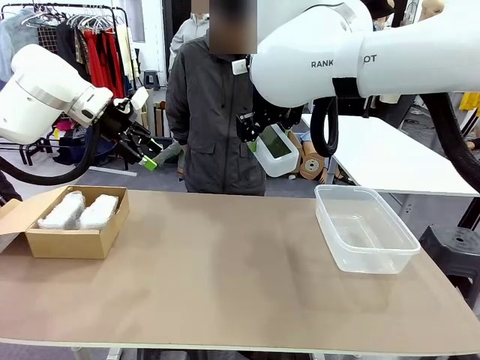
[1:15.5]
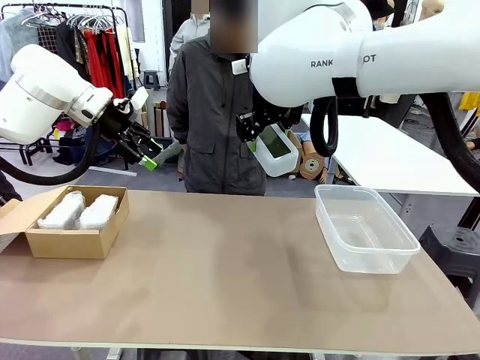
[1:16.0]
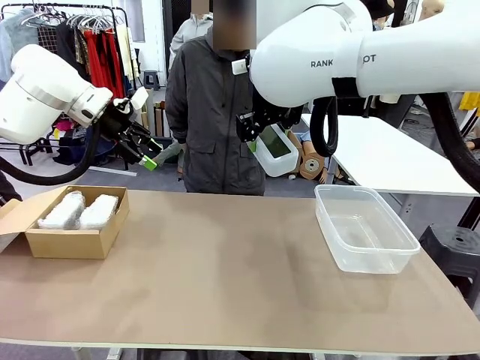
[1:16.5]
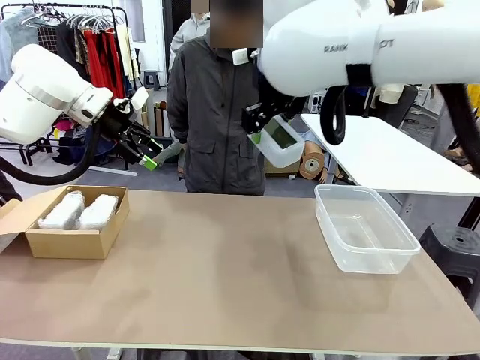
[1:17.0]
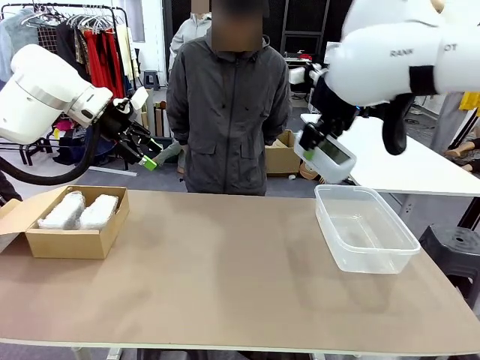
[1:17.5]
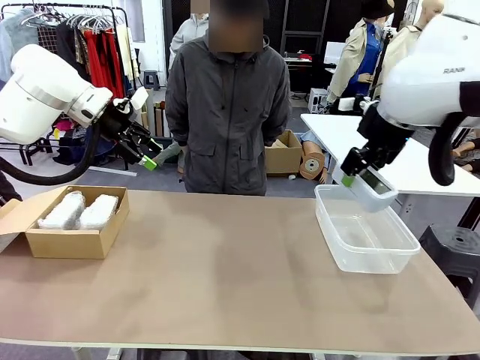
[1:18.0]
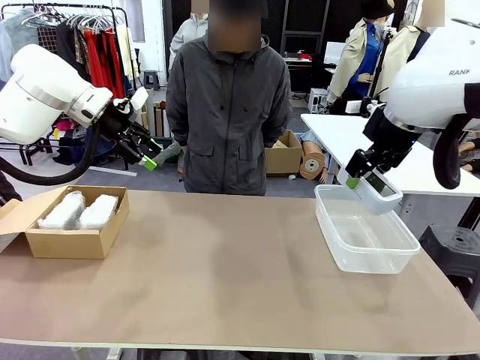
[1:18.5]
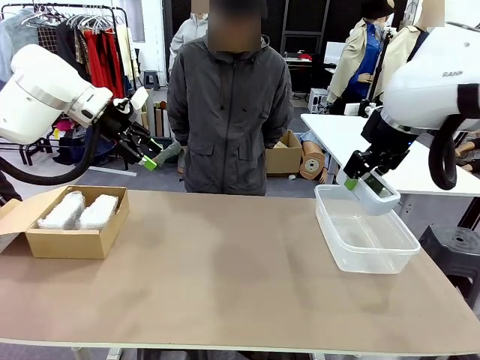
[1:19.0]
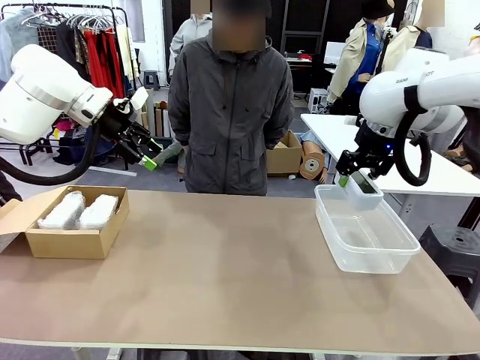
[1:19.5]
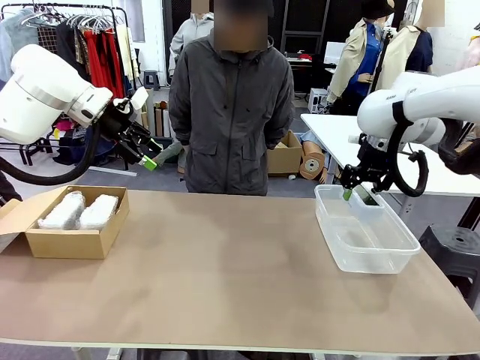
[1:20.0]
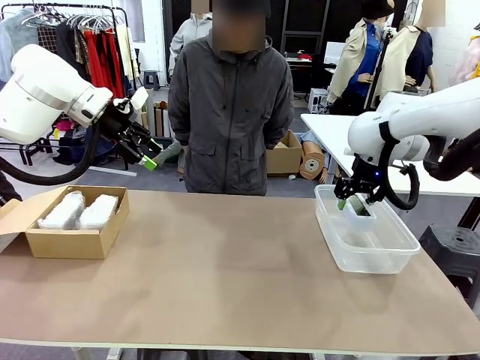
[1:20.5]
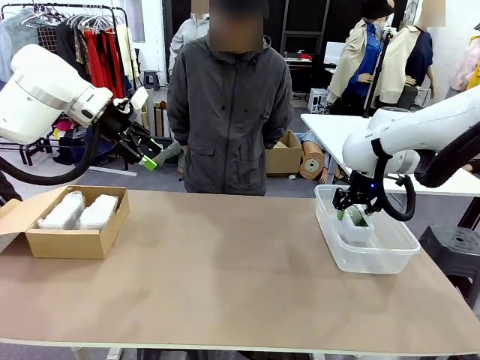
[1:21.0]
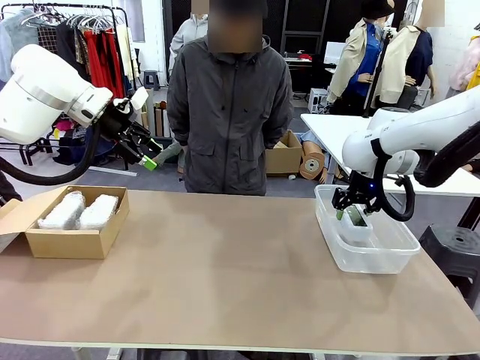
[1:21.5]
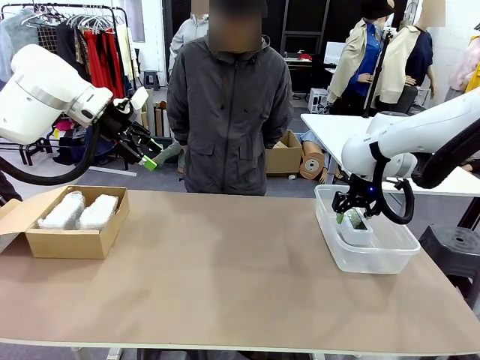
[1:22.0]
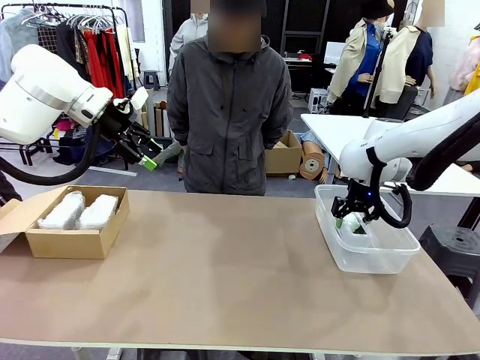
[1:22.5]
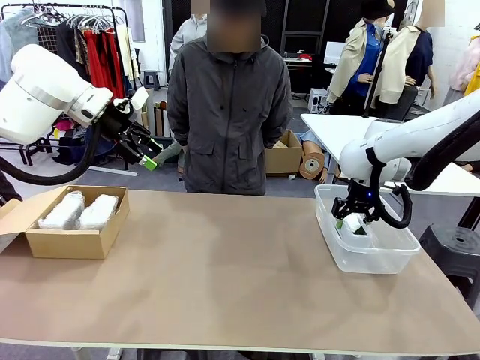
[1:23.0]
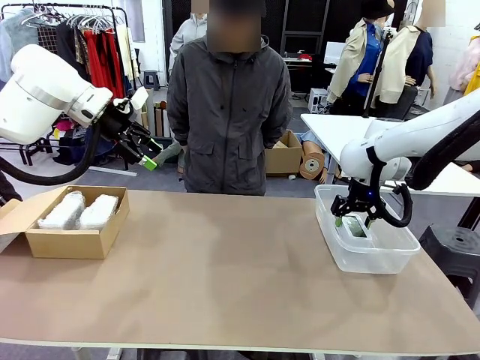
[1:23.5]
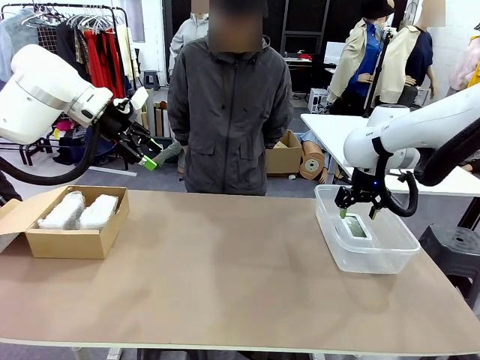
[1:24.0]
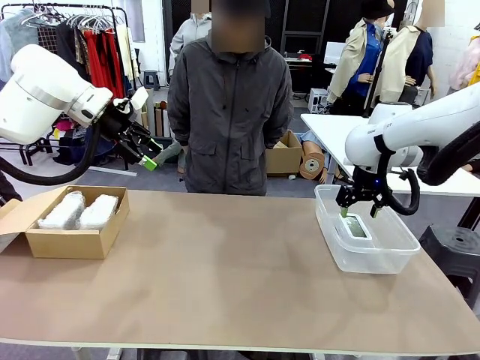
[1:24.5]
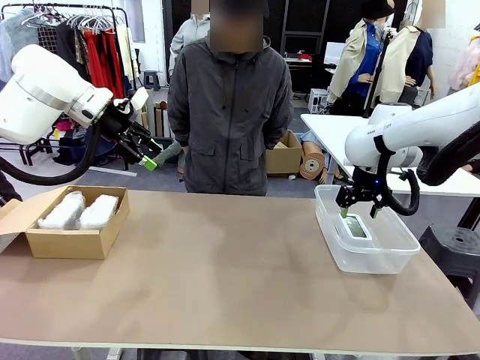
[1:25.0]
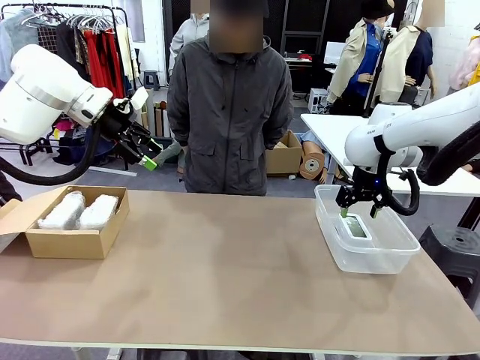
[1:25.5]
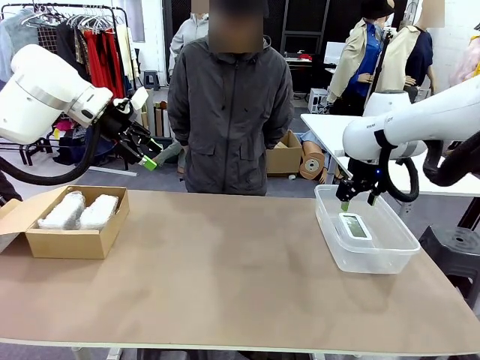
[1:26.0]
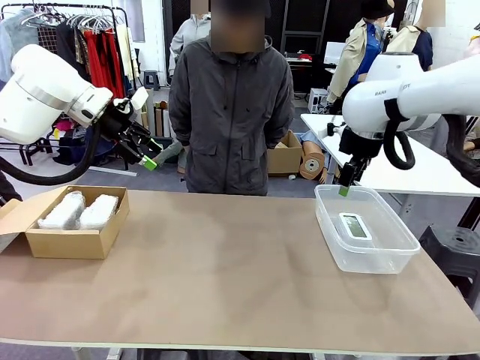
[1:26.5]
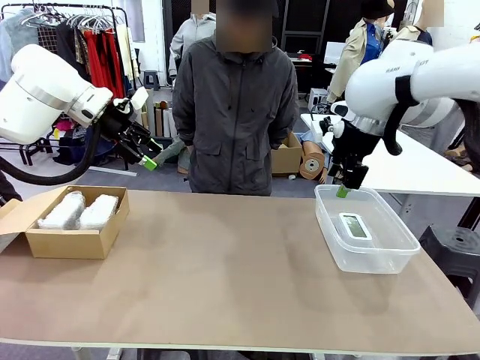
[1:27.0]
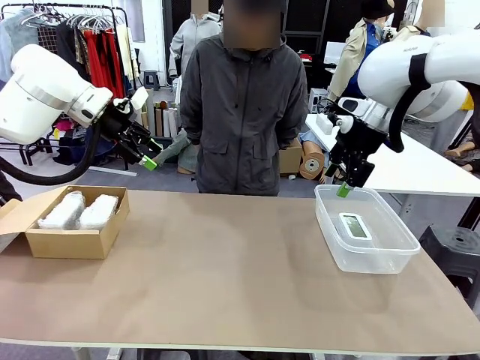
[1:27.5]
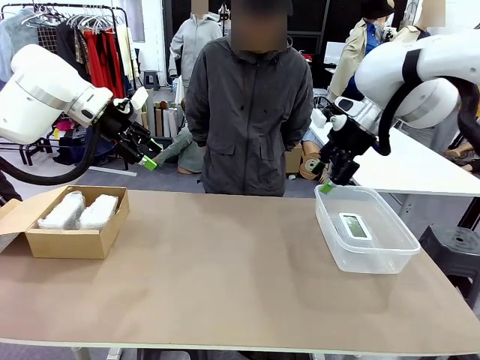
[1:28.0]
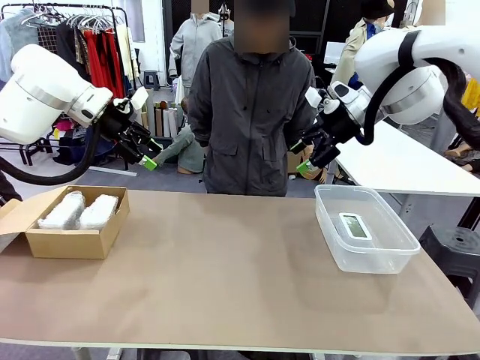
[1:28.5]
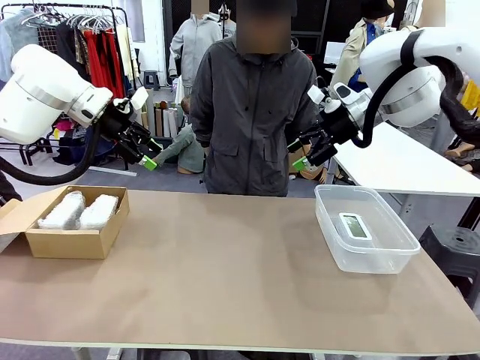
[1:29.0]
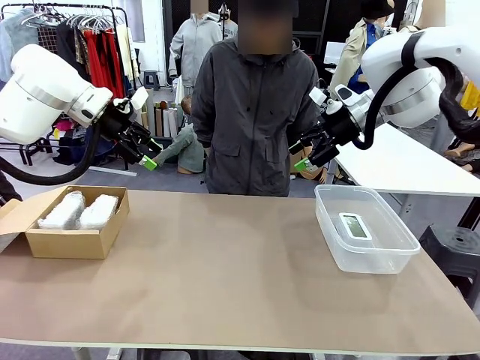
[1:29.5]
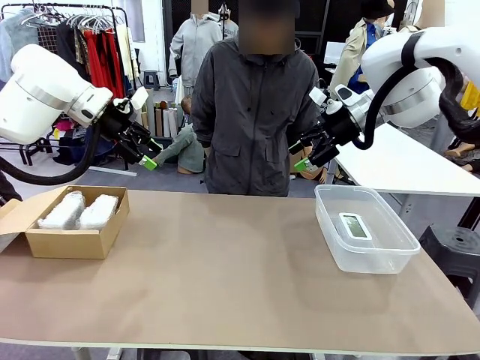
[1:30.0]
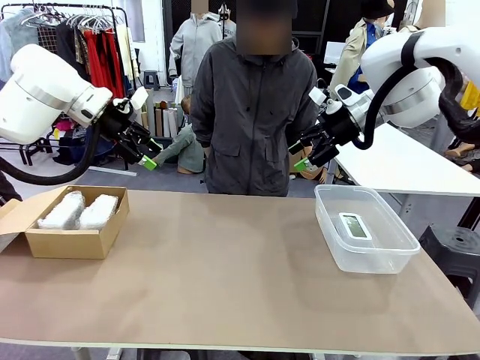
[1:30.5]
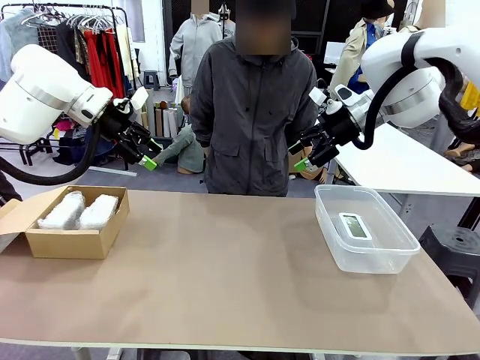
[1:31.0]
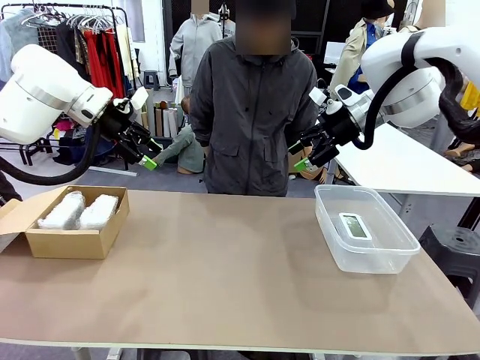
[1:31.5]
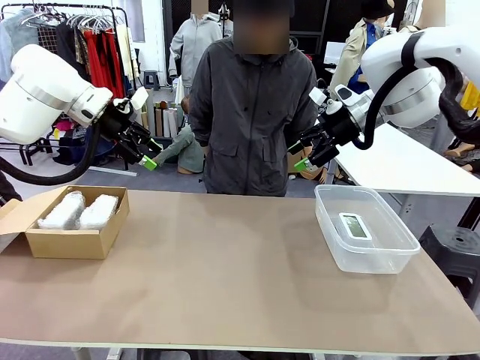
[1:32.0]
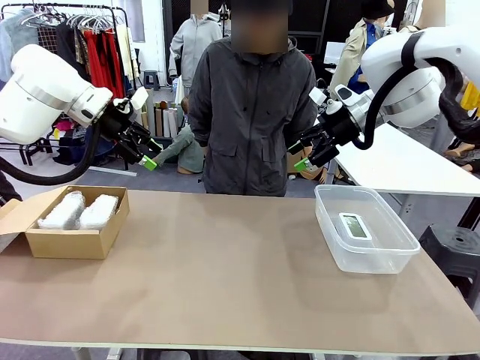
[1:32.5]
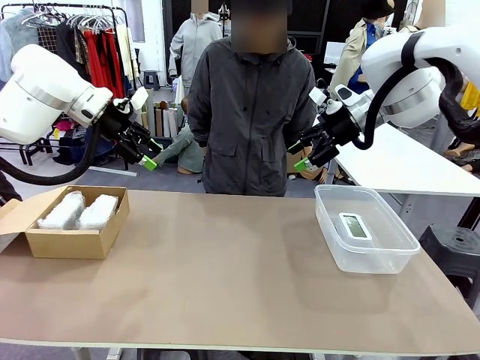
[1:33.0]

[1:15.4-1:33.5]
Task: Separate and place wrapped and unwrapped clocks.
Robot: If the picked Digital clock is wrapped, place it in the Package Box ; if not, place it in the Organizing box.

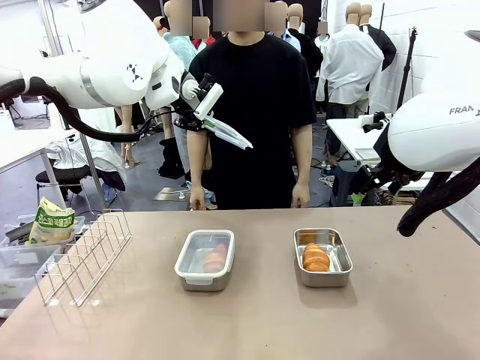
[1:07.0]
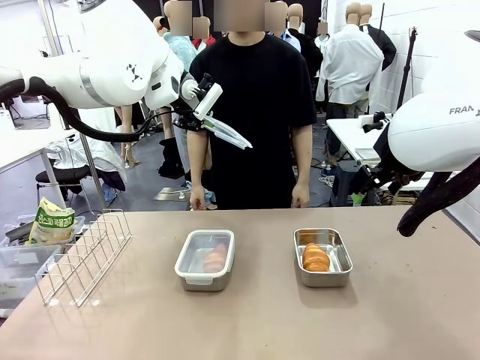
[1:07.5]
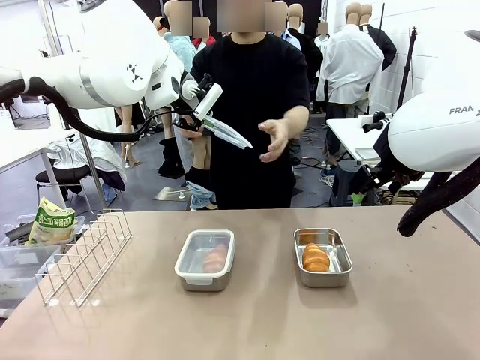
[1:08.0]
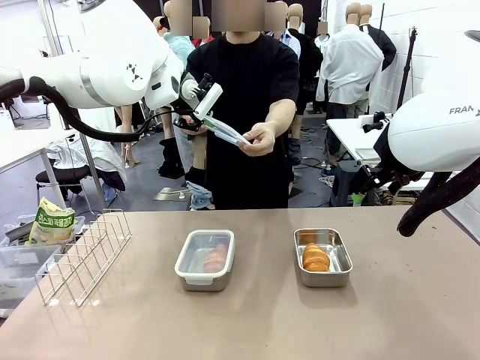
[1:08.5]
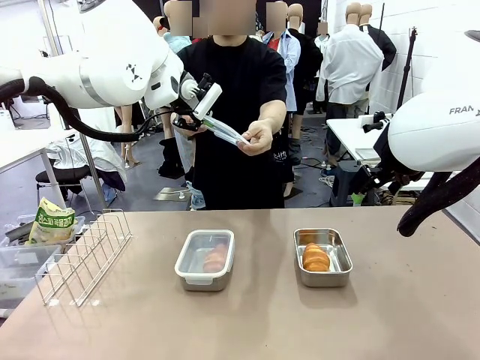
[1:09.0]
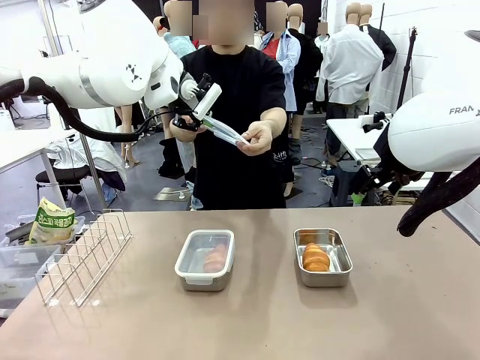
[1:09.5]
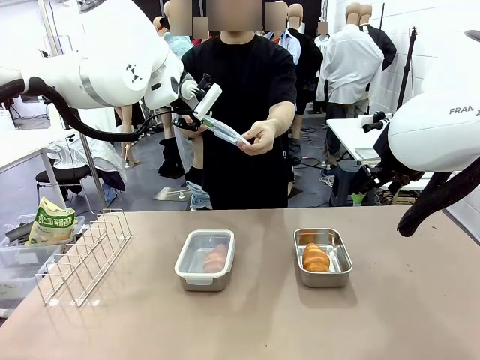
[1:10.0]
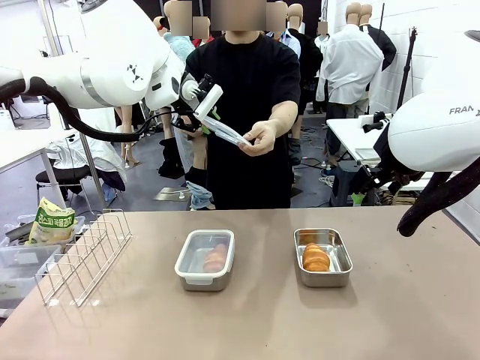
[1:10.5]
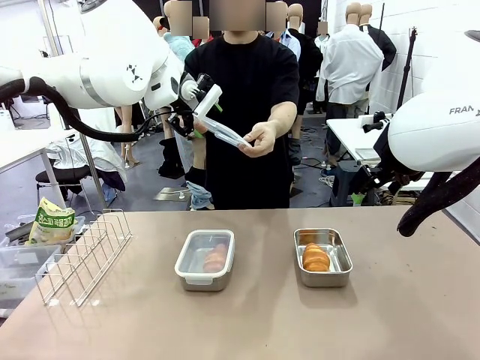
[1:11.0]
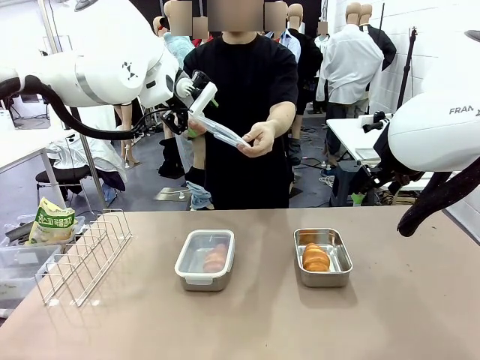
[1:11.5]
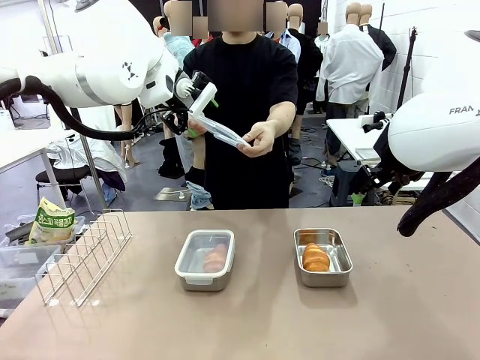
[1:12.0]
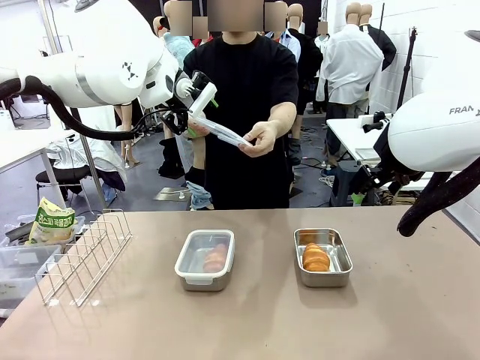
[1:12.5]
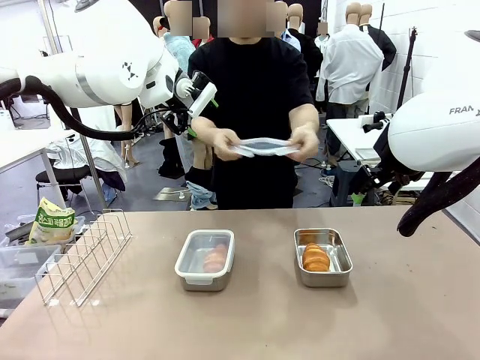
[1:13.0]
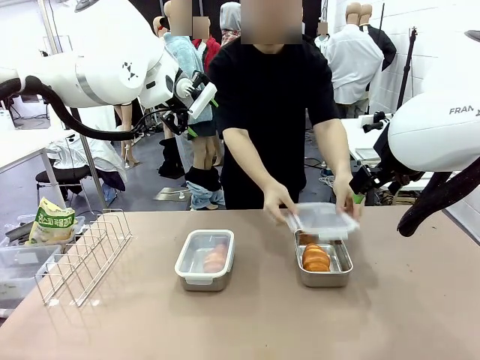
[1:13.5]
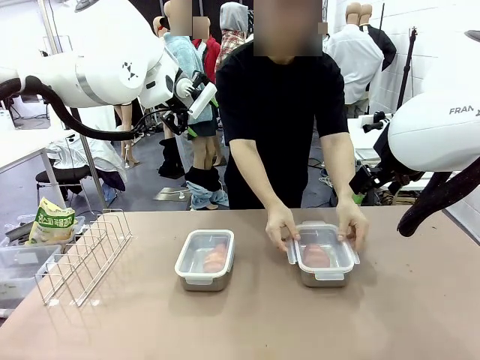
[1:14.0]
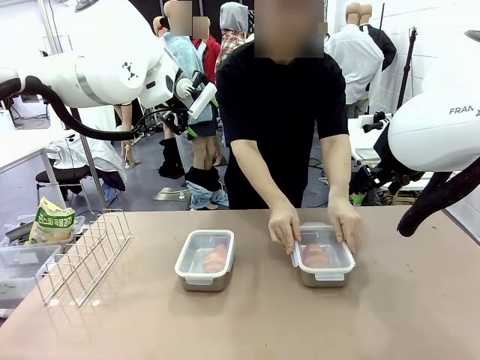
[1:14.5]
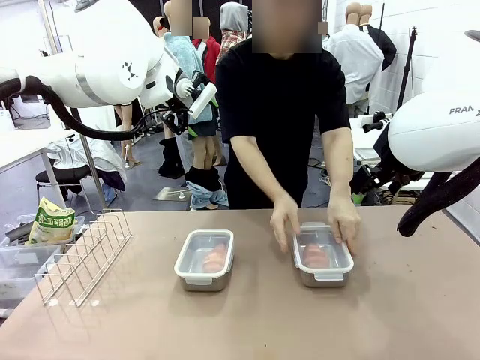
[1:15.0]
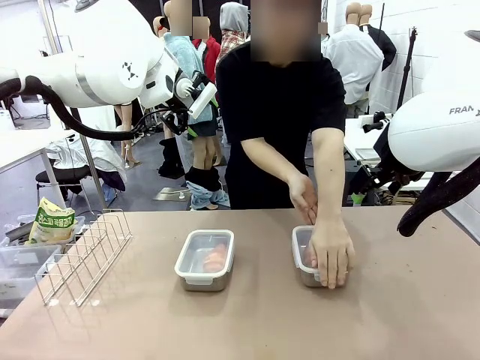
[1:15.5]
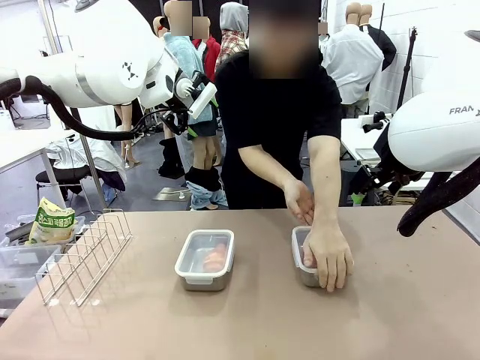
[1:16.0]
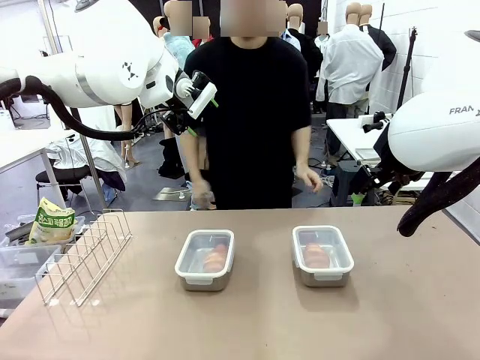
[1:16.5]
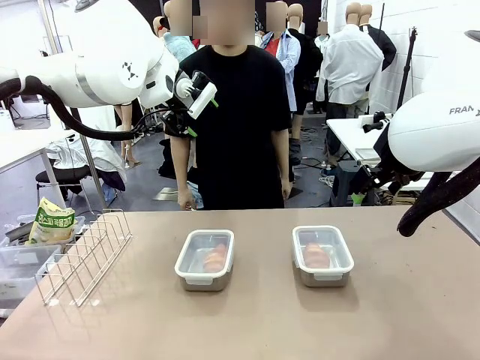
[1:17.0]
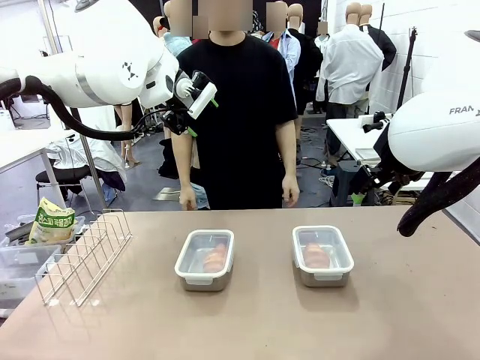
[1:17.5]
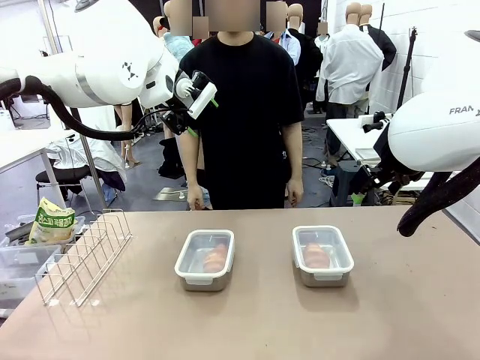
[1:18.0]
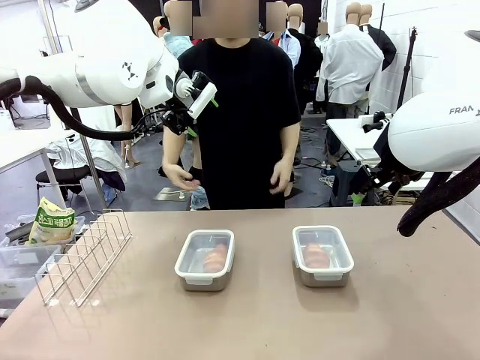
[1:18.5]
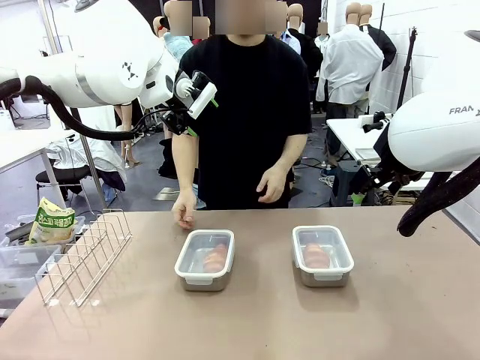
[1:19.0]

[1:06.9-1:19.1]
Task: Place the bread in airtight containers.
Robot: Release when the human grabs the Airtight Container lid.
Person: Close Airtight Container with a handed Airtight Container lid.
